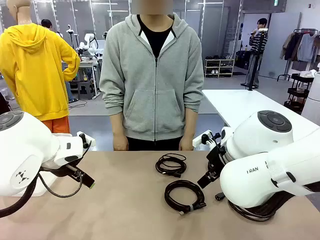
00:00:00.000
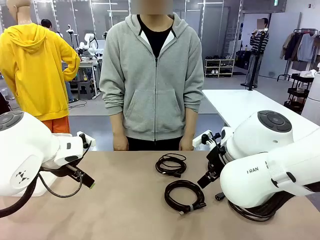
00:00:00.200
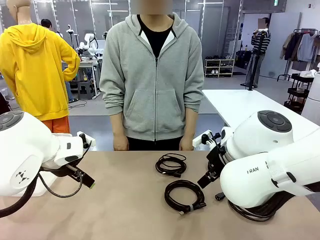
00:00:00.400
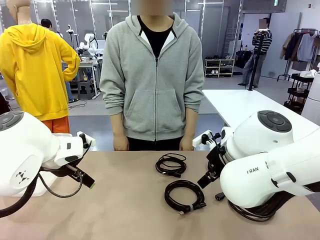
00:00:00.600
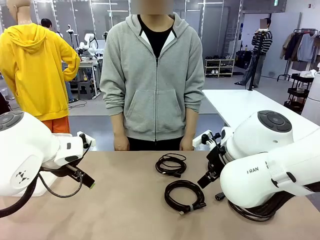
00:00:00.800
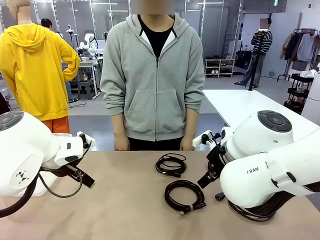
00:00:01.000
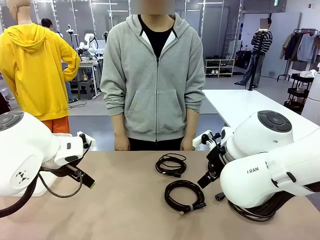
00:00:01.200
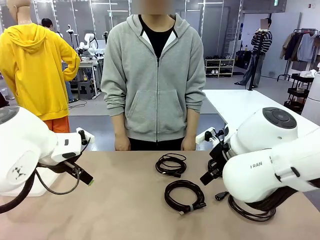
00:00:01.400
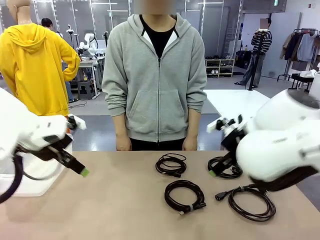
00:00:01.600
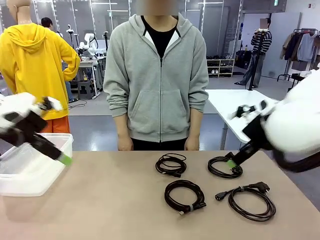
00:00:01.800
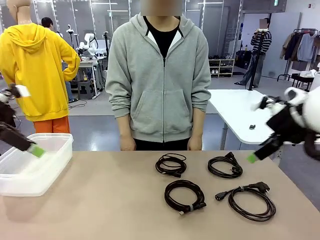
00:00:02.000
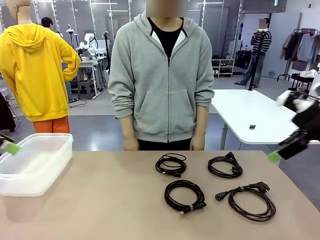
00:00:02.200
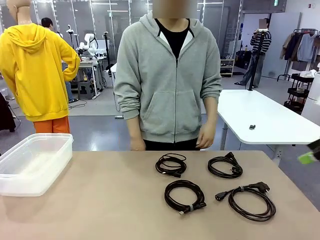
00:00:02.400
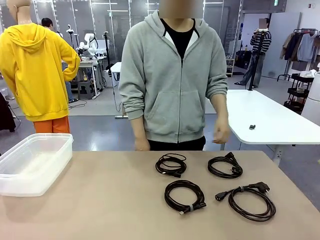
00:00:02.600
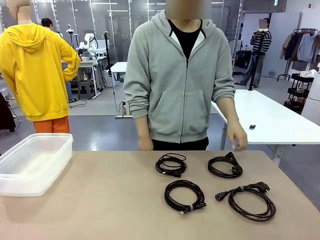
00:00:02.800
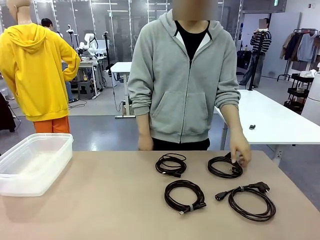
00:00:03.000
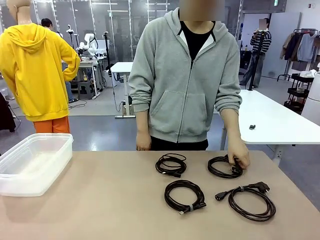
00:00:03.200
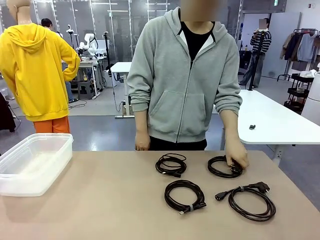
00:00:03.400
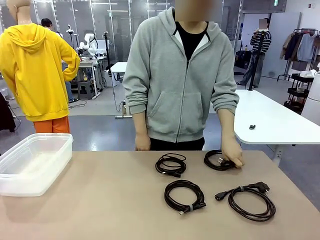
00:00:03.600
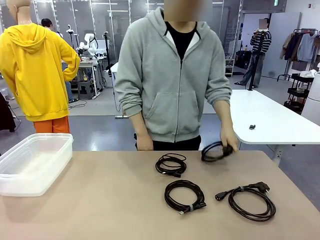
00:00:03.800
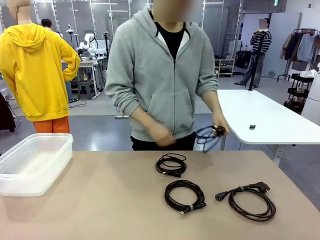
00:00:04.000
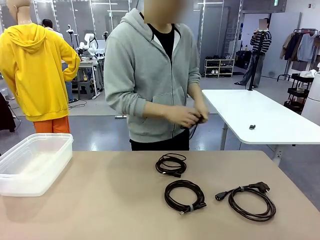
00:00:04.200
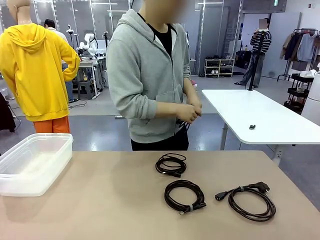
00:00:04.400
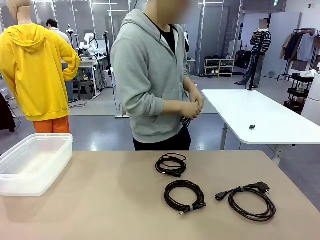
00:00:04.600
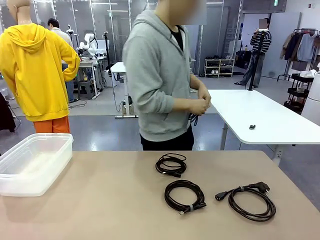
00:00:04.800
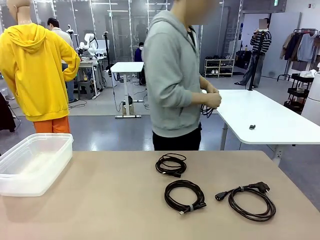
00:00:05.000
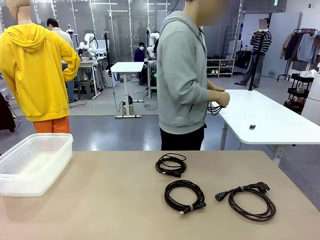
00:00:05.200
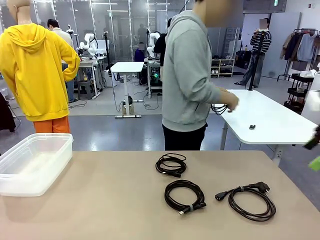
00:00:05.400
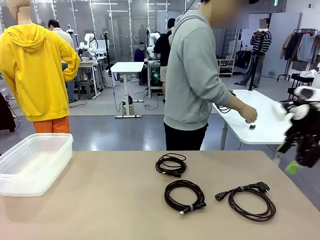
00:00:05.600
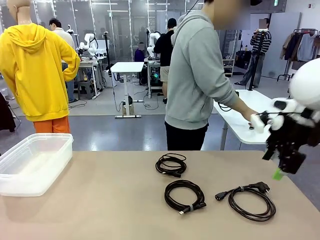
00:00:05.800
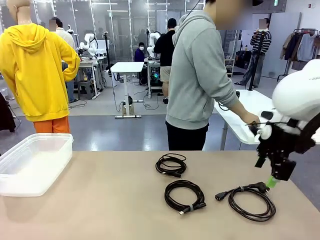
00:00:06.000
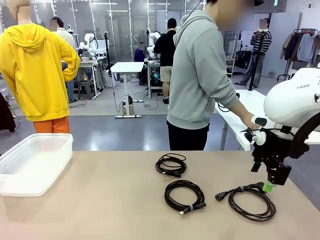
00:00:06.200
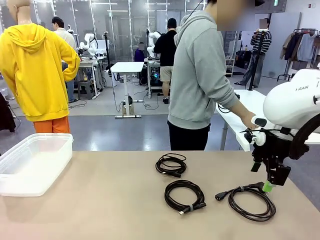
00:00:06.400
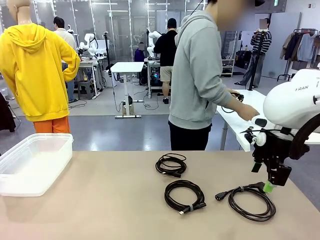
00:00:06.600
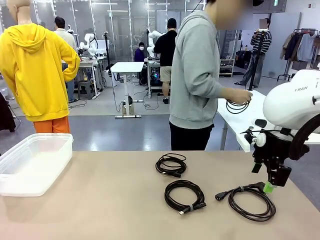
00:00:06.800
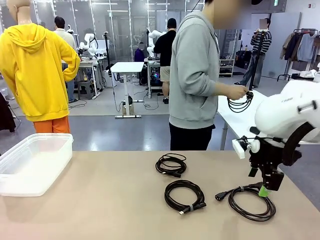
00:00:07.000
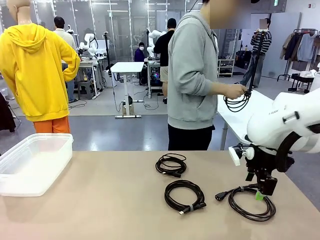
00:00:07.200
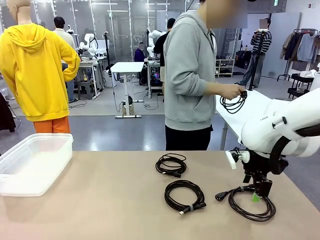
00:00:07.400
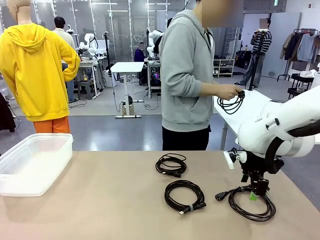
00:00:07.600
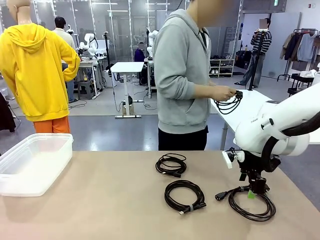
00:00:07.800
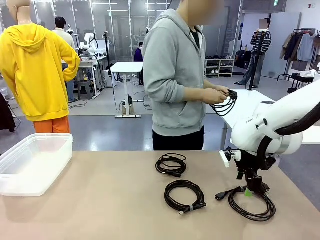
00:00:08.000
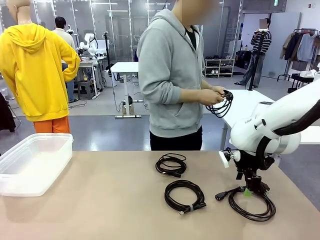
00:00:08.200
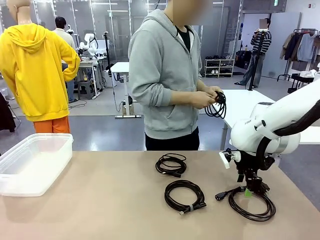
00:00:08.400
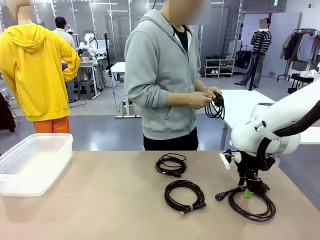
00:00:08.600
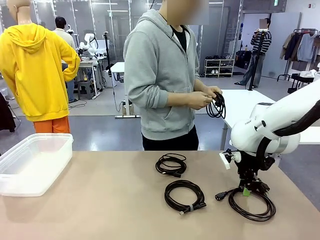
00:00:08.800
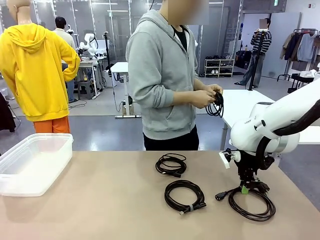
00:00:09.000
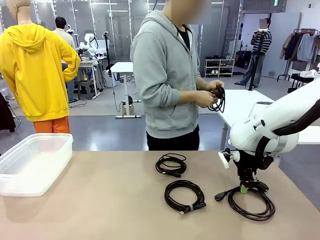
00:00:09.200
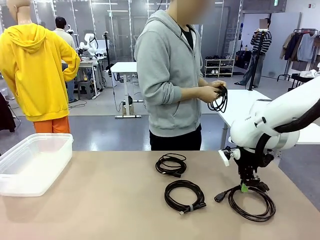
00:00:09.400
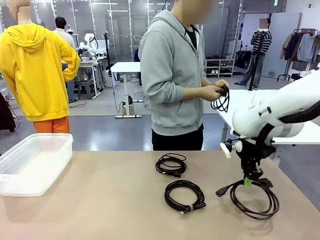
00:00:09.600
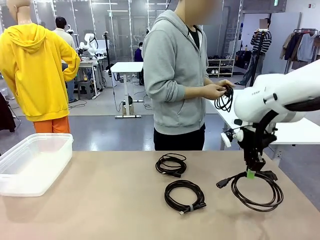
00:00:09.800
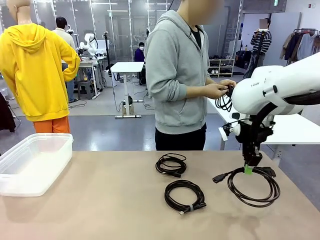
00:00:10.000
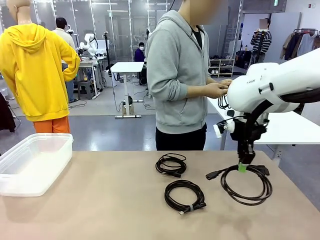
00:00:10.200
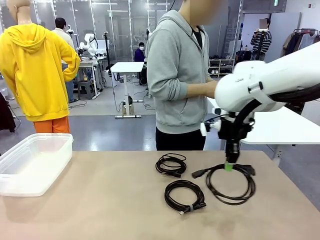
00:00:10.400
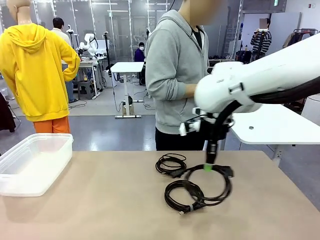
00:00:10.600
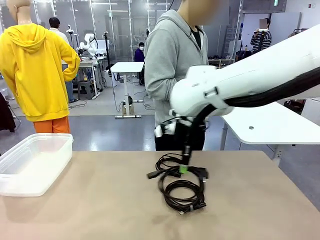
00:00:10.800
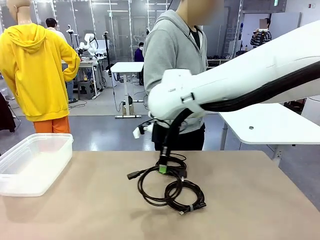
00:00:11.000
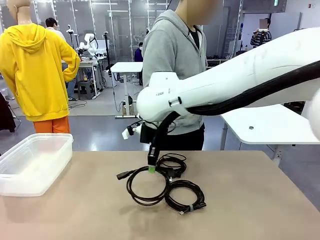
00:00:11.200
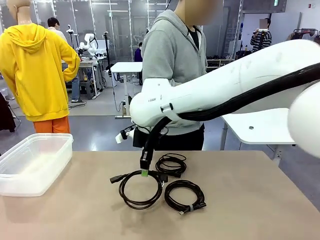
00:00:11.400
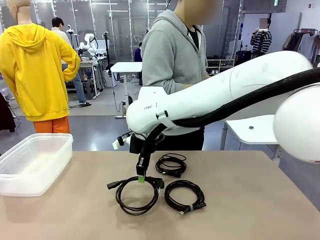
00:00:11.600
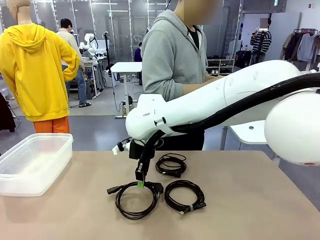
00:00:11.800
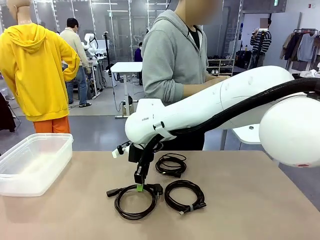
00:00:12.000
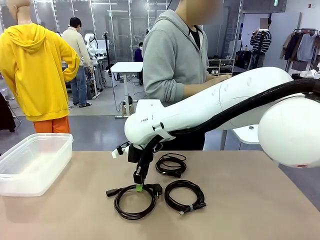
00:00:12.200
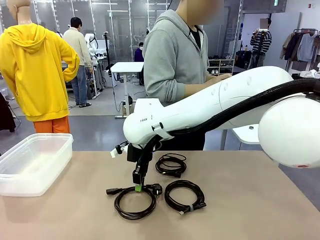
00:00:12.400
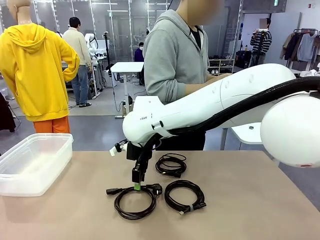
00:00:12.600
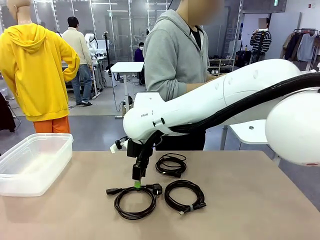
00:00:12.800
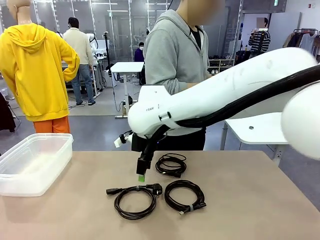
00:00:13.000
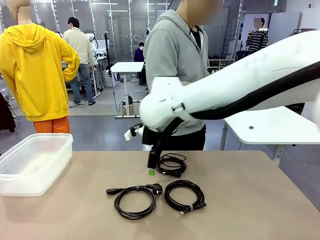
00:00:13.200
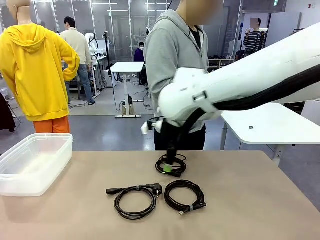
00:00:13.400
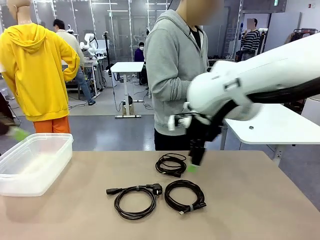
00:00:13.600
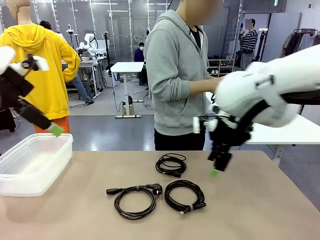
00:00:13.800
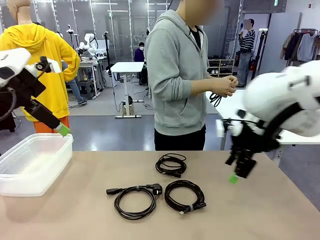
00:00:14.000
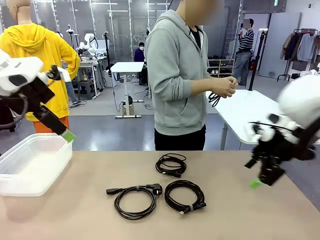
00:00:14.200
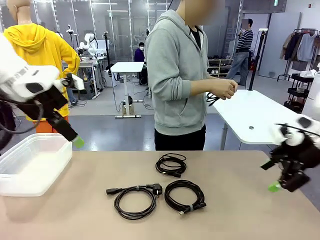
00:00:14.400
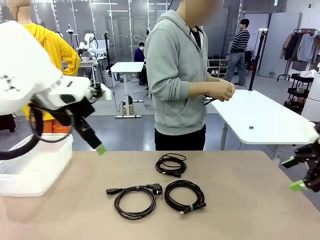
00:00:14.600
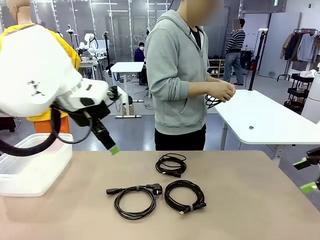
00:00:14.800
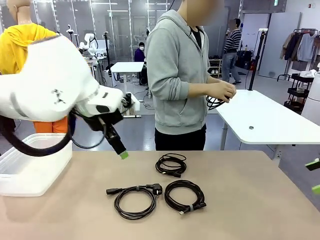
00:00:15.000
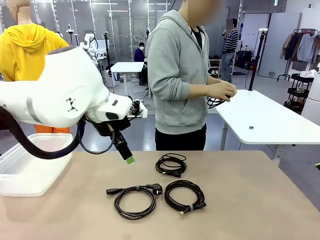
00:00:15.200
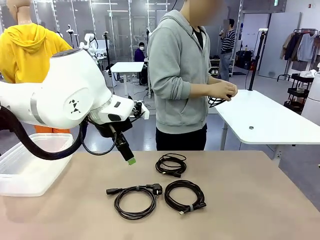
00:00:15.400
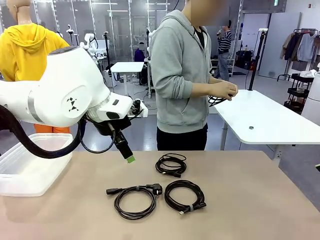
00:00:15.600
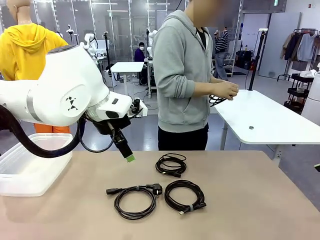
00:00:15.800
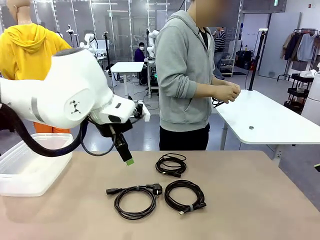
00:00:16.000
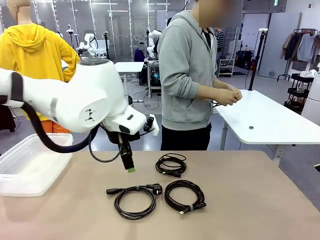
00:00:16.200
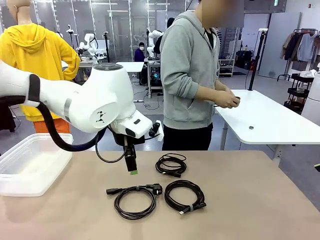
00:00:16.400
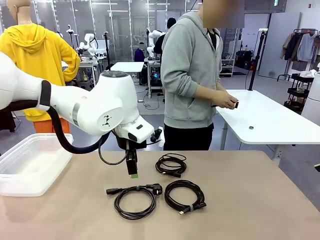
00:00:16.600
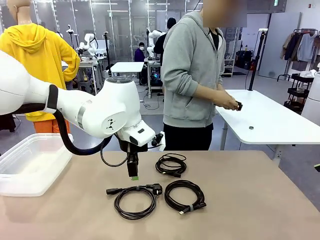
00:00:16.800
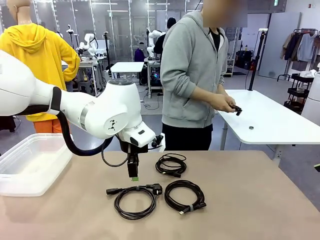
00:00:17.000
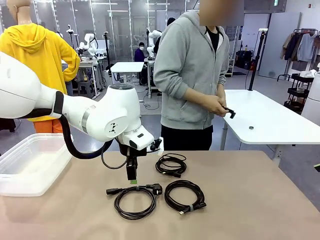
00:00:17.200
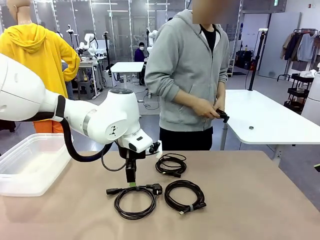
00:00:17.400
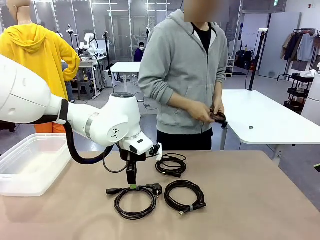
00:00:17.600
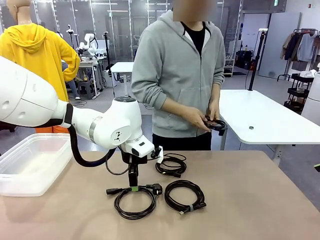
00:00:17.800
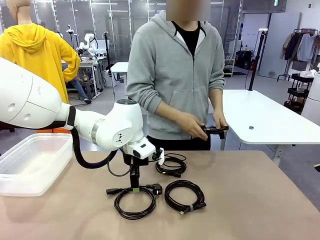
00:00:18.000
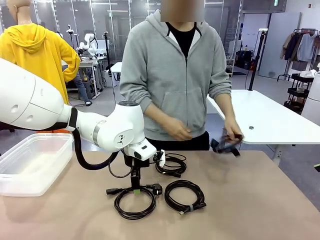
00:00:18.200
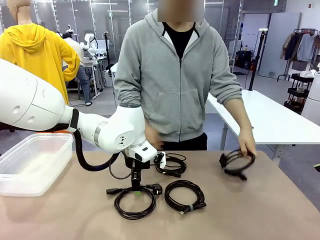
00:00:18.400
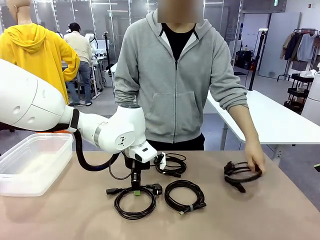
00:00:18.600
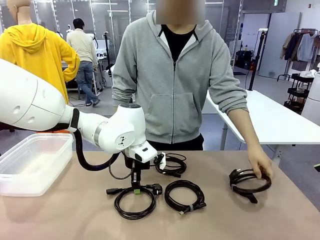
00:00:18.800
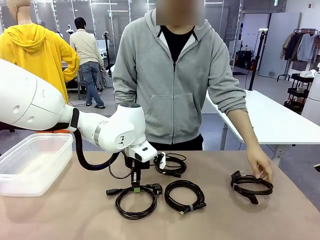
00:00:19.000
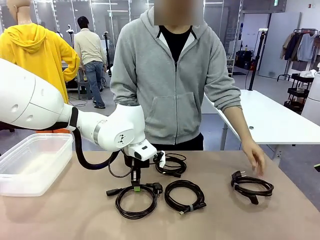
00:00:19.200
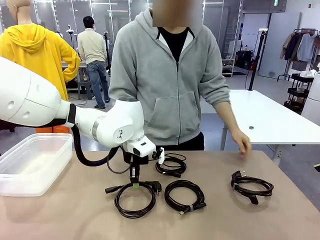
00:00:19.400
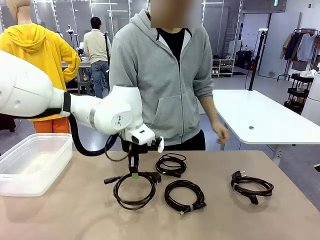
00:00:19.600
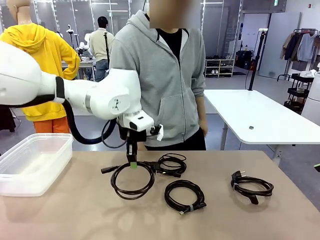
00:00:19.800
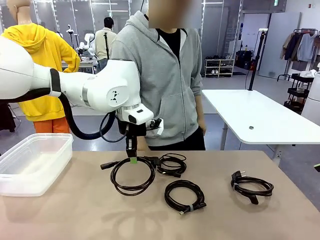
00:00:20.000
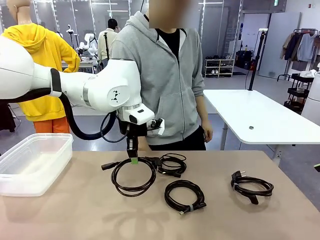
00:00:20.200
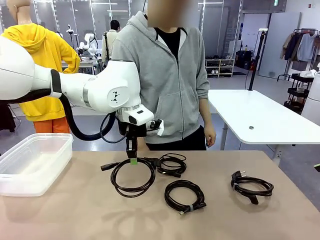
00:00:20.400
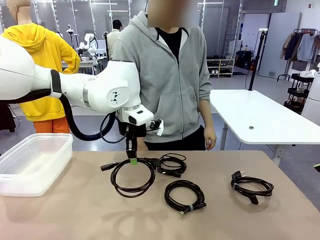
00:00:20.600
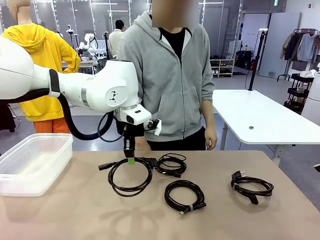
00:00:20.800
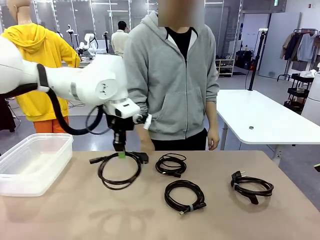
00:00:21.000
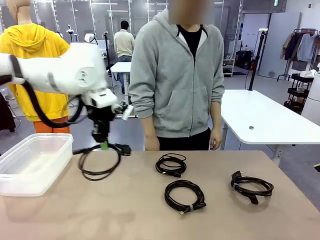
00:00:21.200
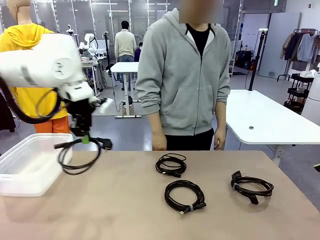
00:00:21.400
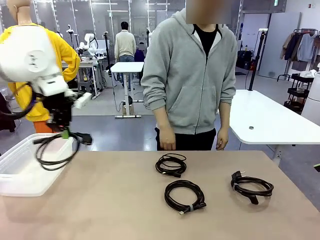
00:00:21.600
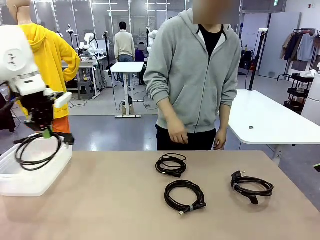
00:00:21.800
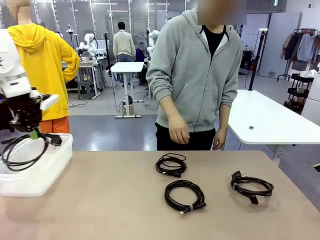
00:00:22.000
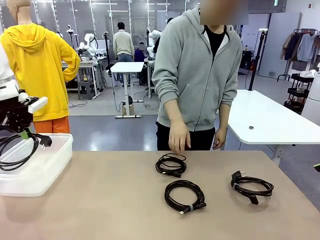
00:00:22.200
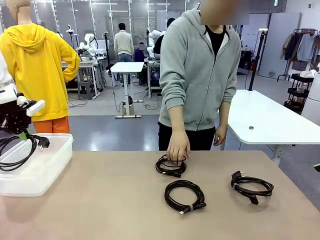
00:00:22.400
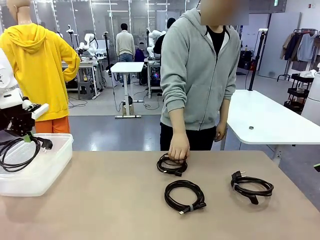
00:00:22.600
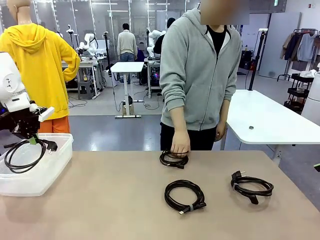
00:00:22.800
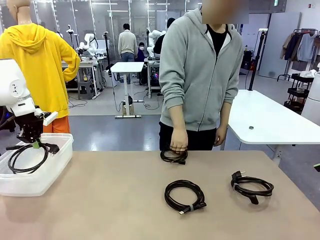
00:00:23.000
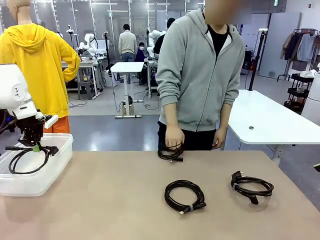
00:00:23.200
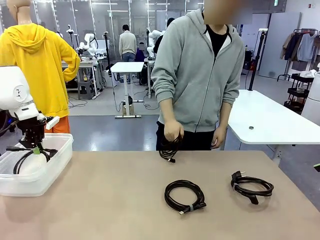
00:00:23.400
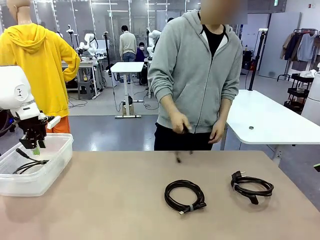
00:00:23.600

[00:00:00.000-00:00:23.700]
Task: Organize and store the cables.
Robot: Place the Power Cable into the Organizing box.
Person: Tie one Power Cable with a Reusable Cable Tie.
